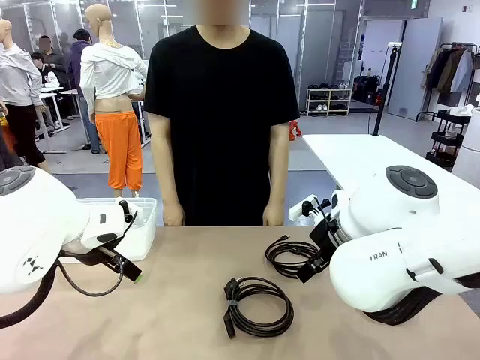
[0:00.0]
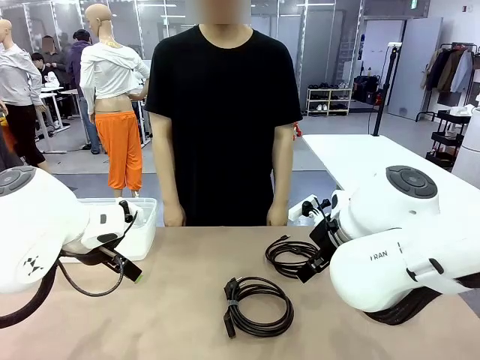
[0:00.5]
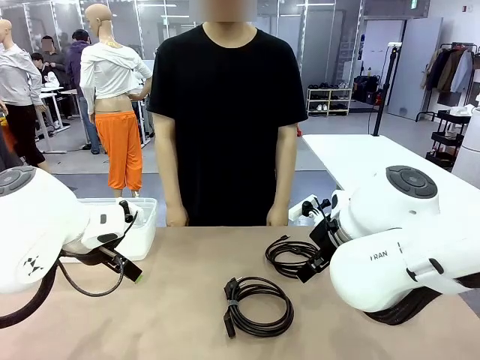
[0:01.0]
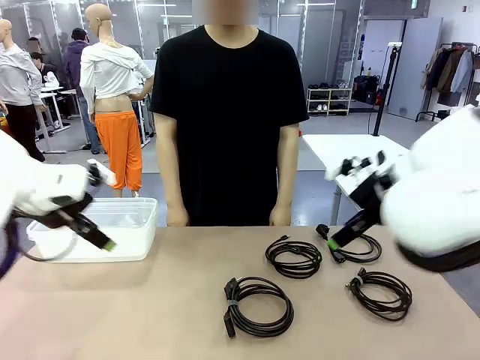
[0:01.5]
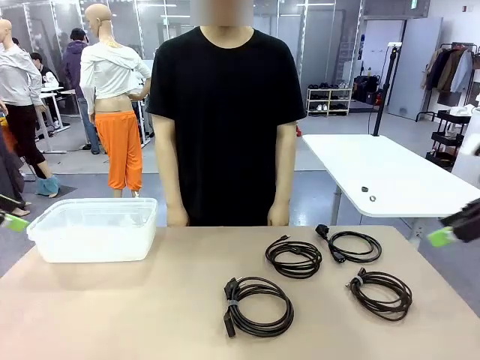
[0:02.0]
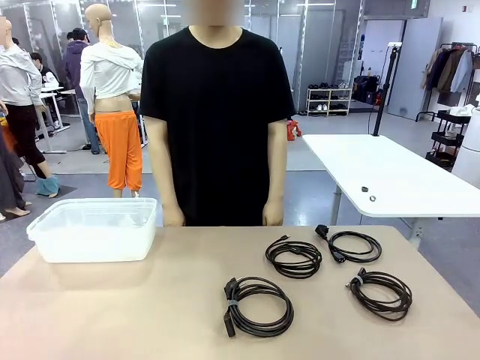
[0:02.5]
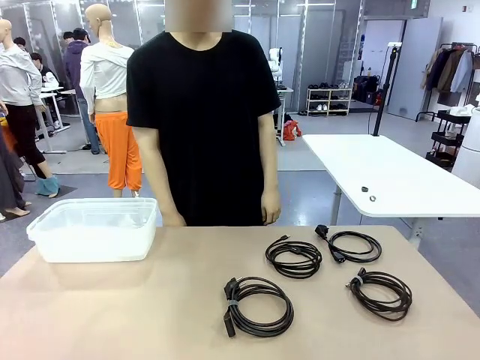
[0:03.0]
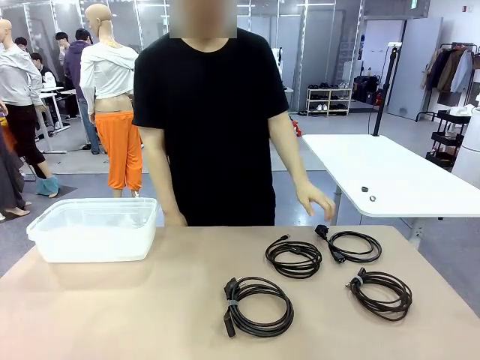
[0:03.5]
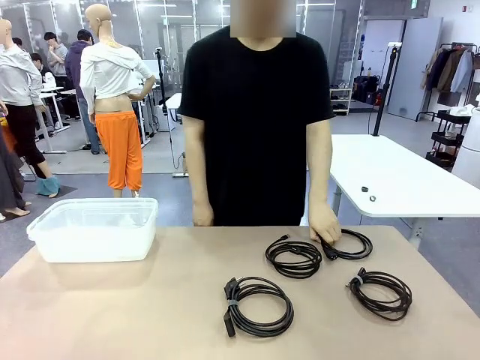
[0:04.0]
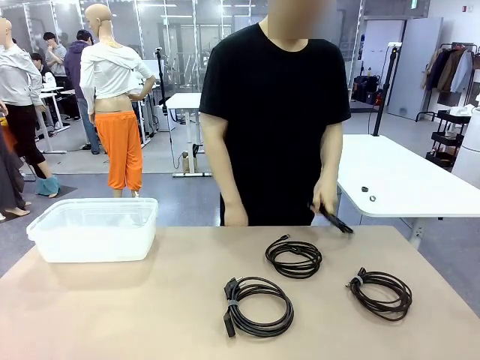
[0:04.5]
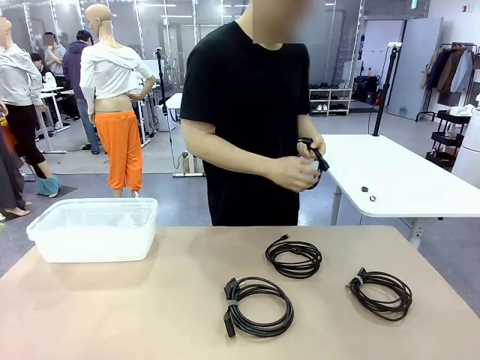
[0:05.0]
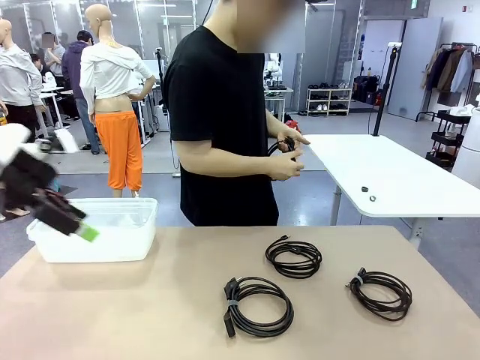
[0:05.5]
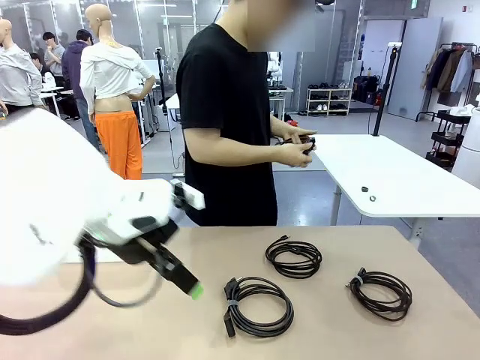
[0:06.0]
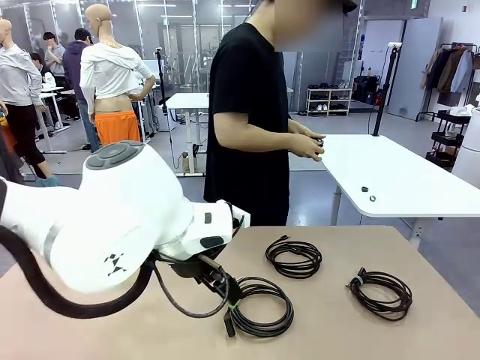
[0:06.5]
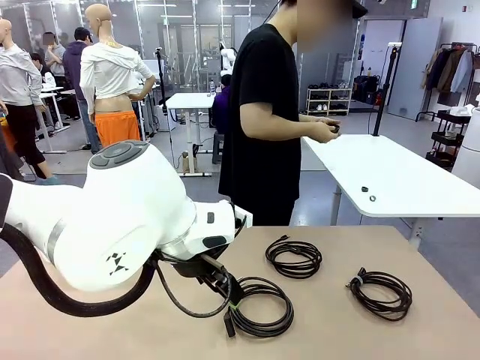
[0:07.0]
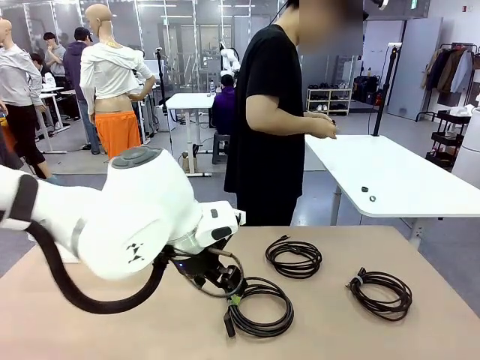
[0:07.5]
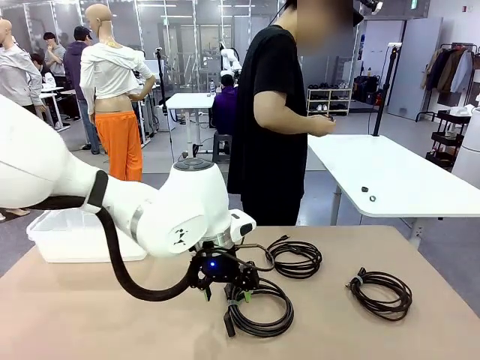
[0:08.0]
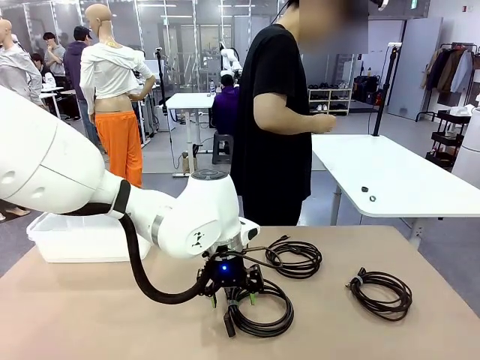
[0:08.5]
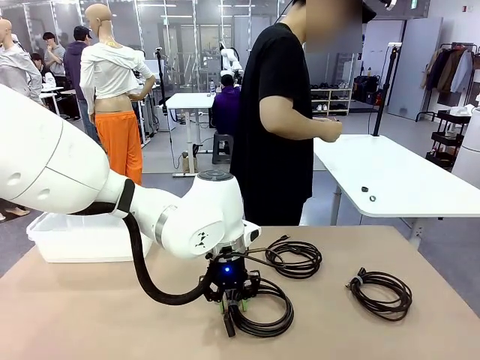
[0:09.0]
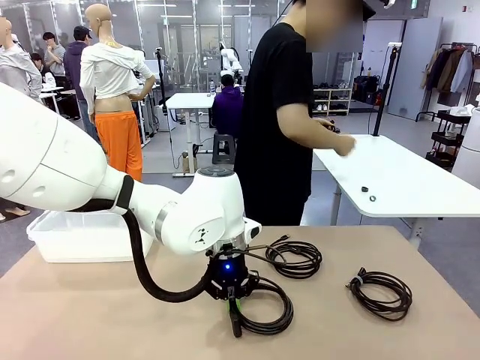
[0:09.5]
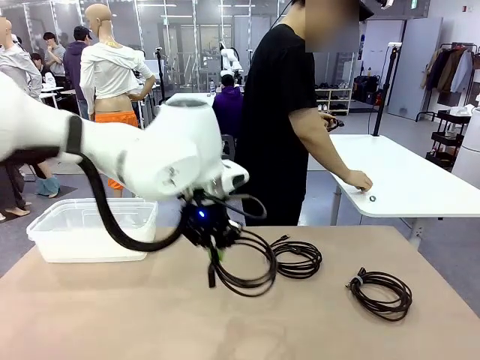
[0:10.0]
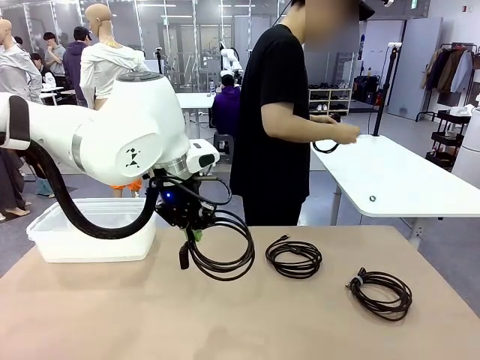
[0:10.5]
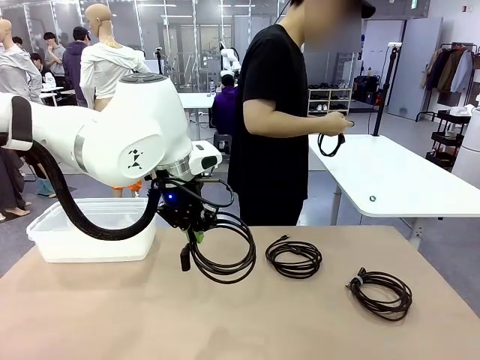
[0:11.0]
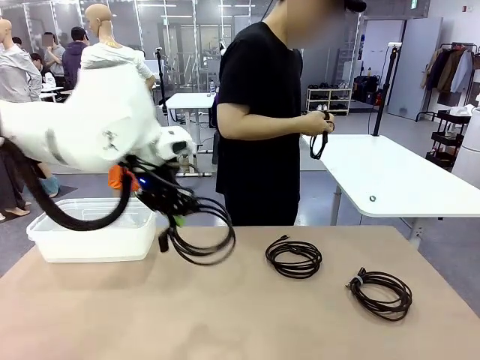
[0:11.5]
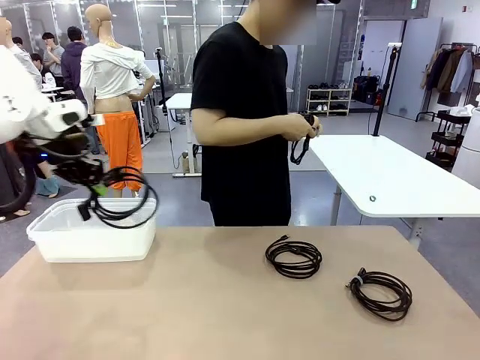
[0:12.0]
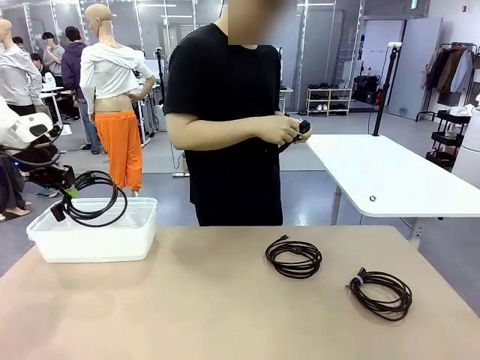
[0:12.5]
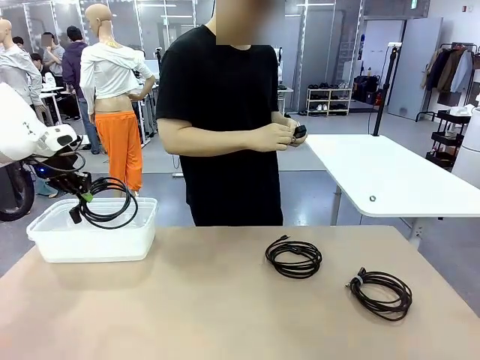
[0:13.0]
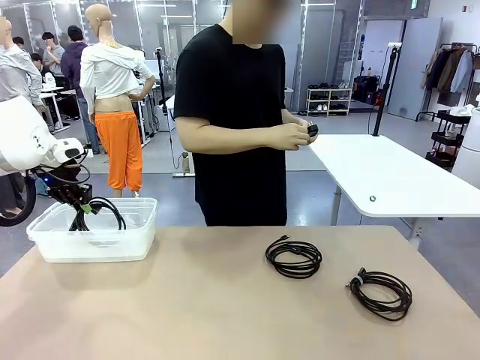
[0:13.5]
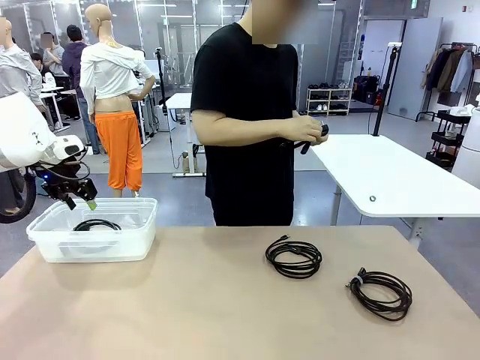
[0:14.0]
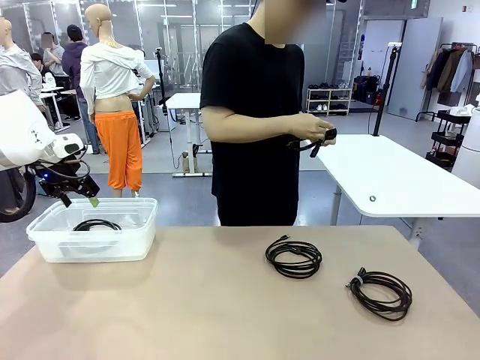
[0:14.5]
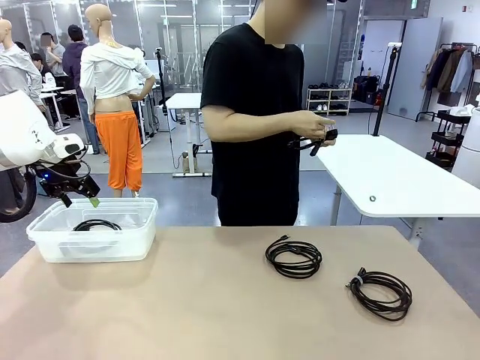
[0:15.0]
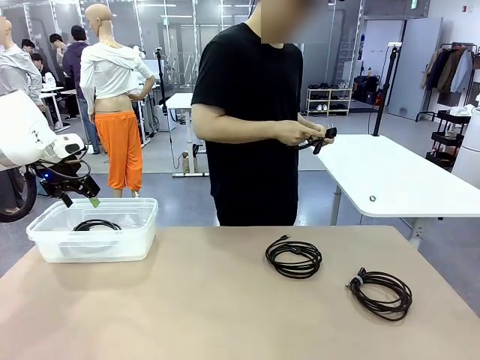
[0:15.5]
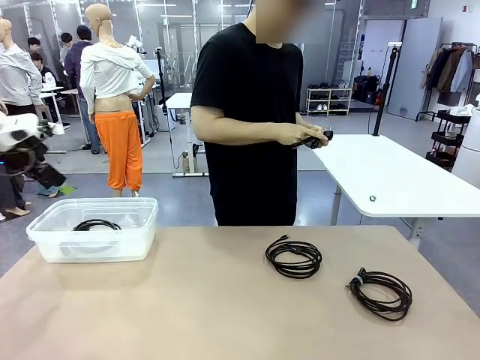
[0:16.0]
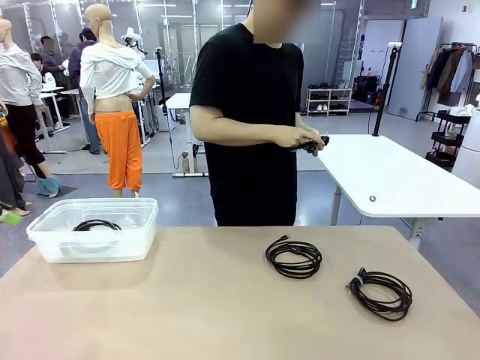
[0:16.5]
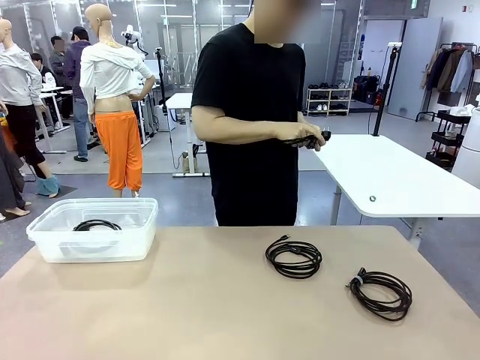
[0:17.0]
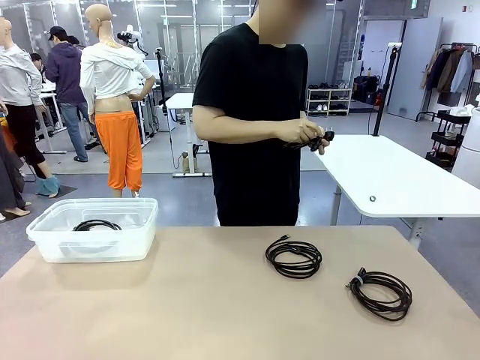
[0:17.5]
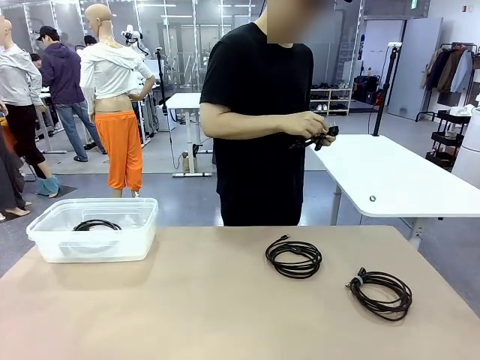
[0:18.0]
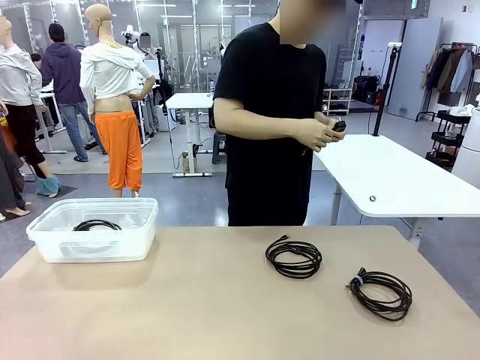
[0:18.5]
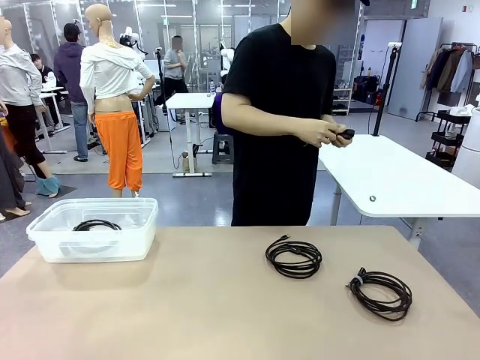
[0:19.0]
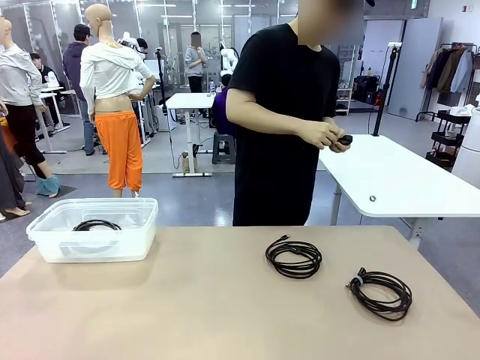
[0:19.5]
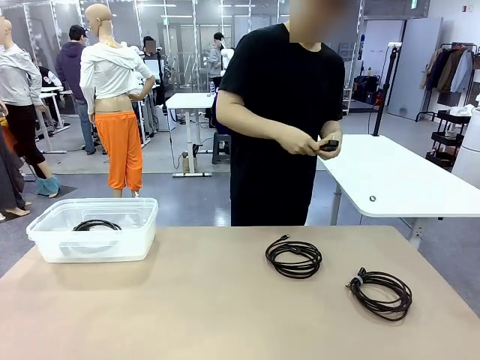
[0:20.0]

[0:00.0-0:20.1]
Task: Organize and store the cables.
Robot: Place the Power Cable into the Organizing box.
Person: Tie one Power Cable with a Reusable Cable Tie.

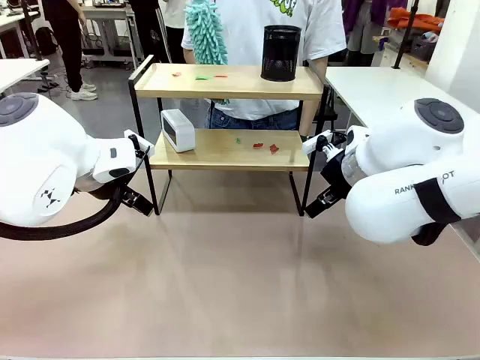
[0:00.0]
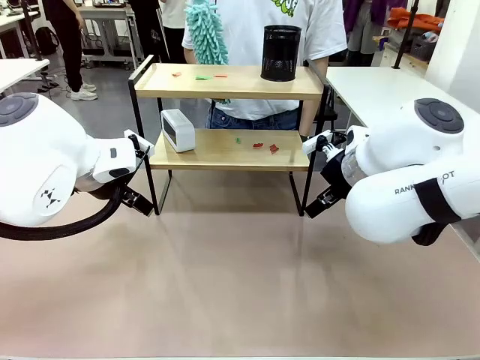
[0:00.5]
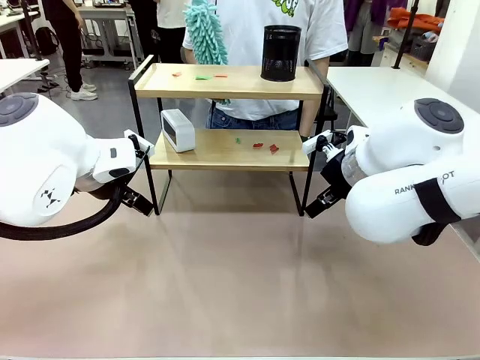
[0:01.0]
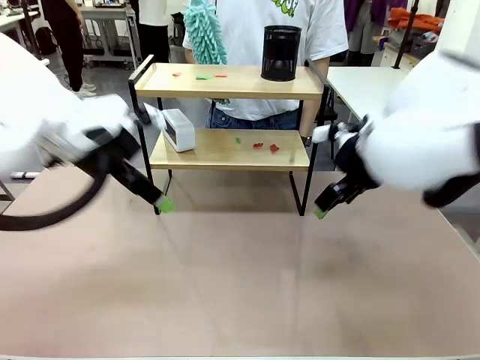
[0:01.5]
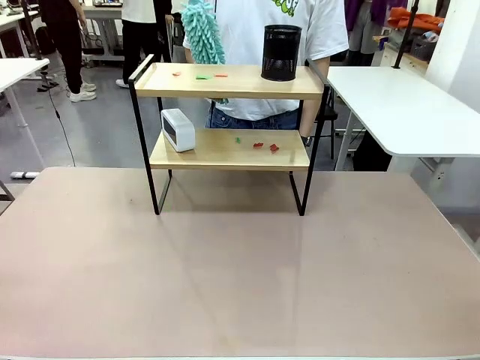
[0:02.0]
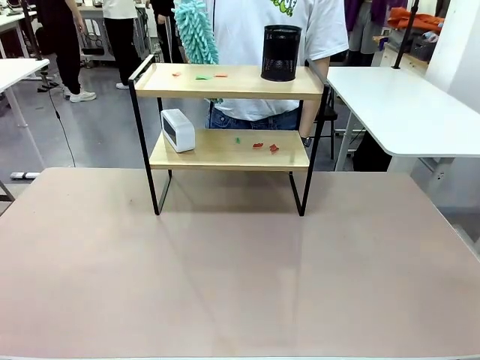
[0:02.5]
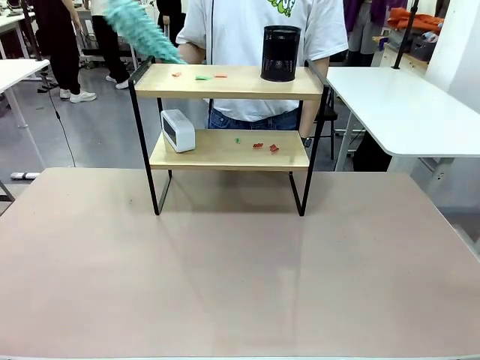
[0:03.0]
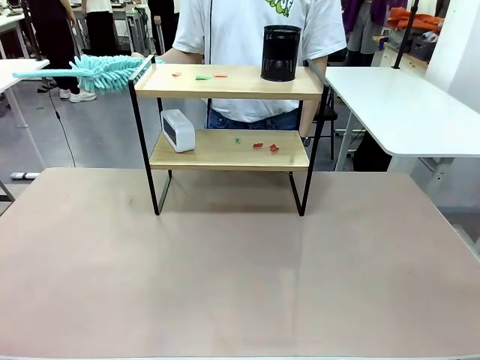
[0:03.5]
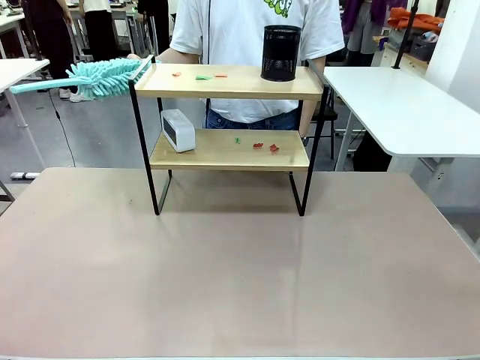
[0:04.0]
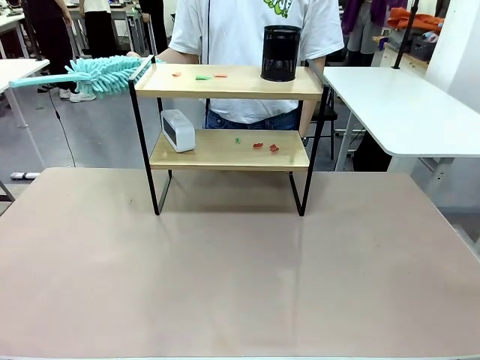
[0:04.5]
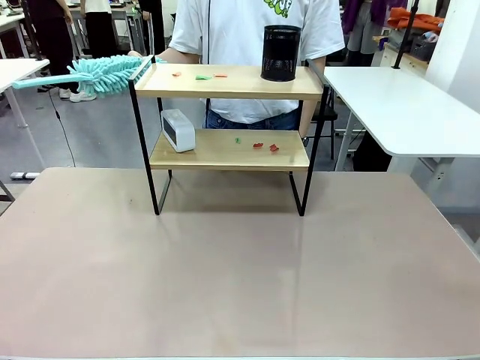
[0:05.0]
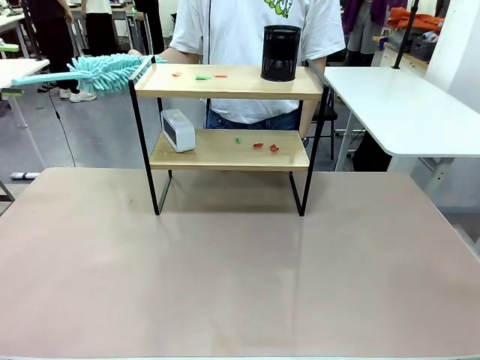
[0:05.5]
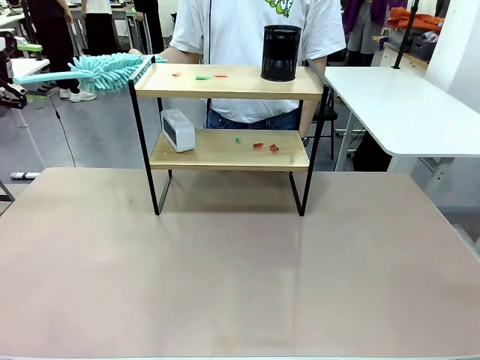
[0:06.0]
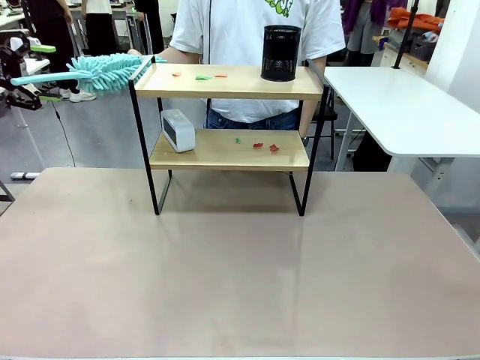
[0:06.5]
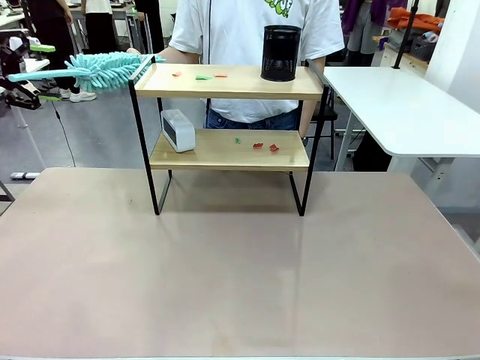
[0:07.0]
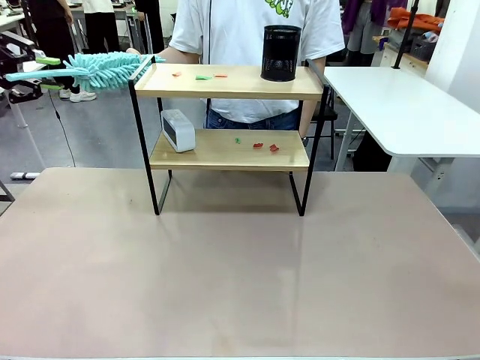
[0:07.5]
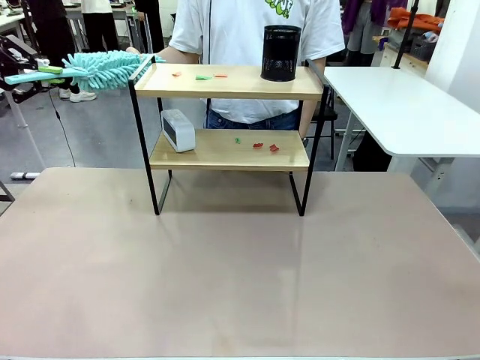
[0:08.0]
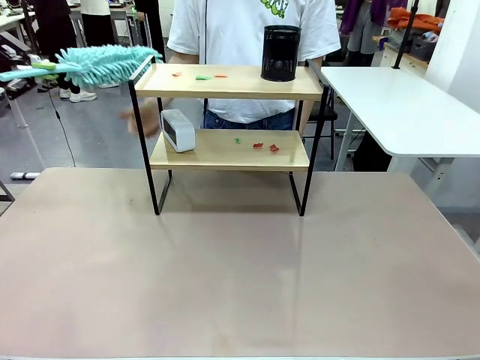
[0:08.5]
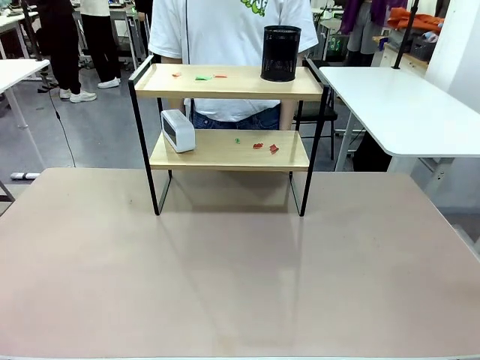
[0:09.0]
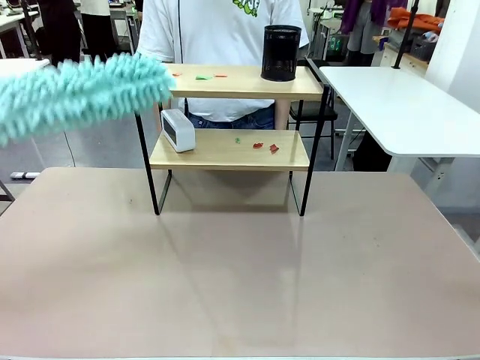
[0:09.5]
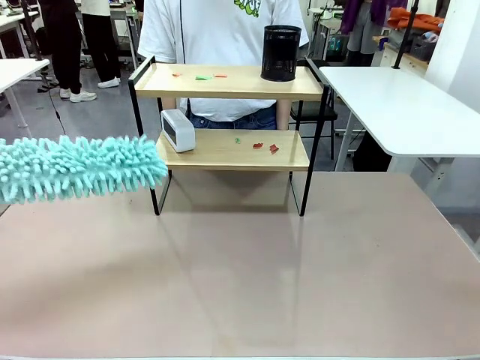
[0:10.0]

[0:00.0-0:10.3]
Task: Clean the shelf.
Robot: Pick up the Duster from the human.
Person: Hand the Duster to the robot.
